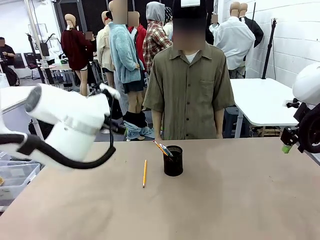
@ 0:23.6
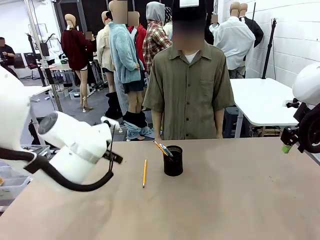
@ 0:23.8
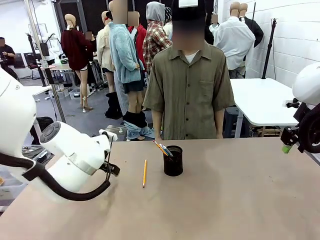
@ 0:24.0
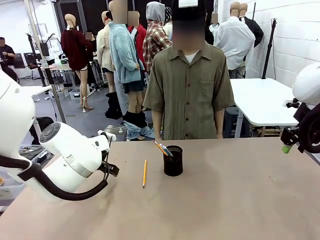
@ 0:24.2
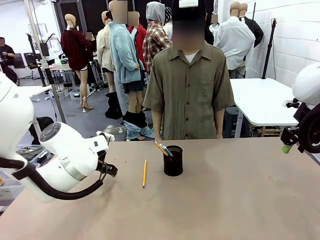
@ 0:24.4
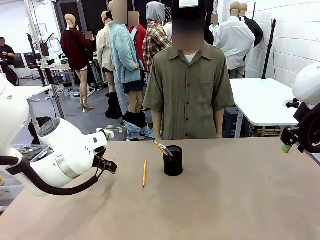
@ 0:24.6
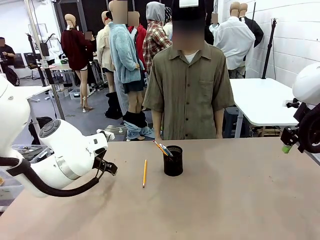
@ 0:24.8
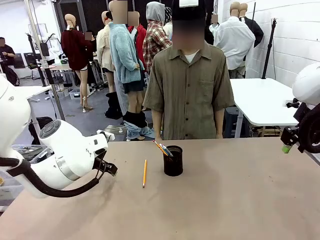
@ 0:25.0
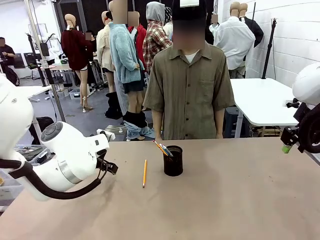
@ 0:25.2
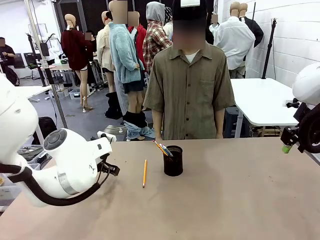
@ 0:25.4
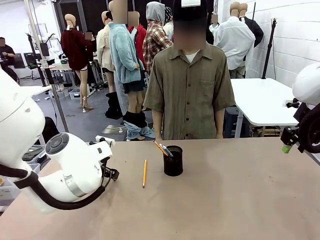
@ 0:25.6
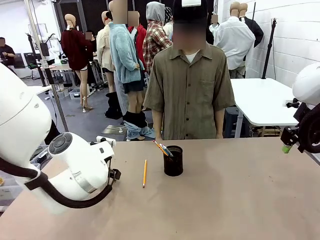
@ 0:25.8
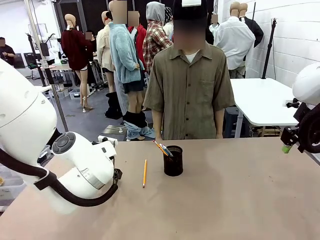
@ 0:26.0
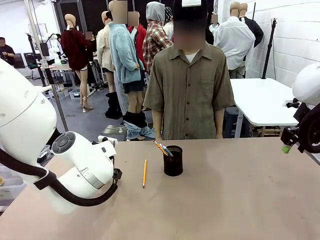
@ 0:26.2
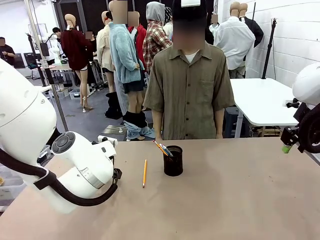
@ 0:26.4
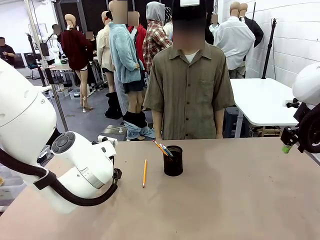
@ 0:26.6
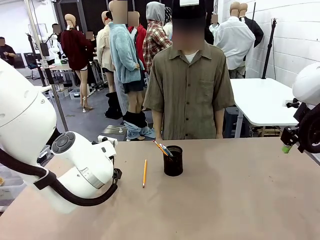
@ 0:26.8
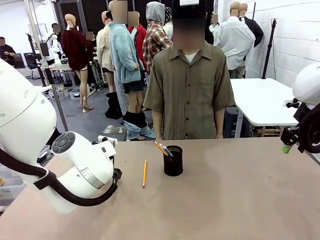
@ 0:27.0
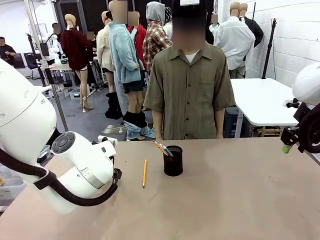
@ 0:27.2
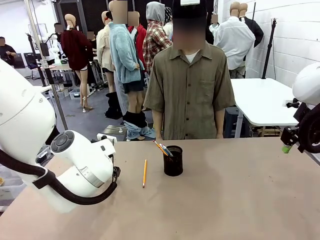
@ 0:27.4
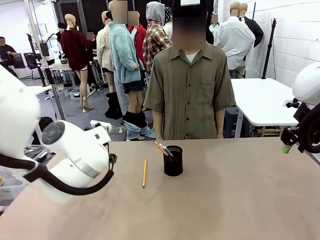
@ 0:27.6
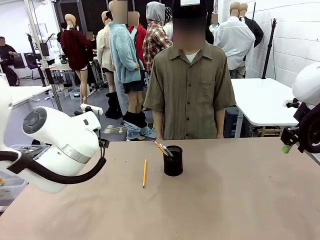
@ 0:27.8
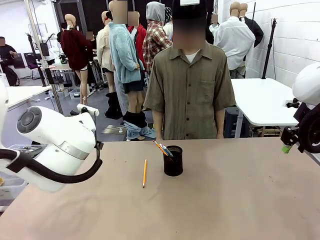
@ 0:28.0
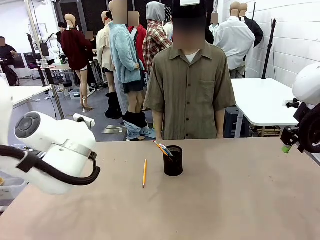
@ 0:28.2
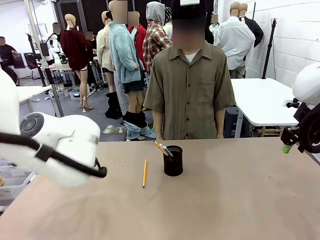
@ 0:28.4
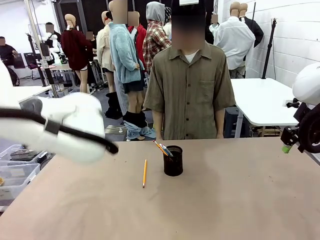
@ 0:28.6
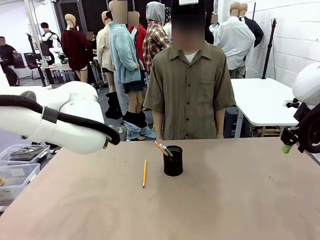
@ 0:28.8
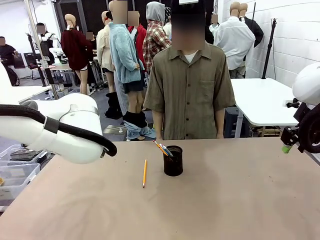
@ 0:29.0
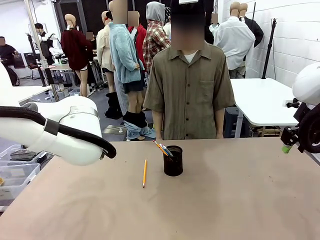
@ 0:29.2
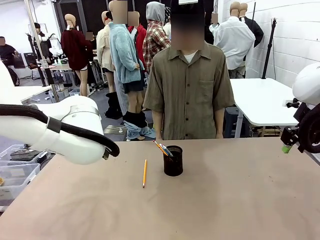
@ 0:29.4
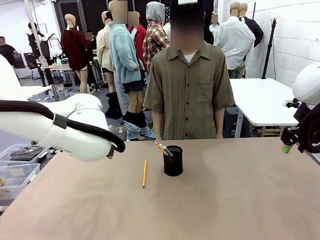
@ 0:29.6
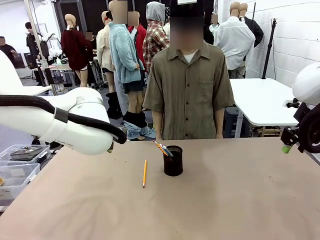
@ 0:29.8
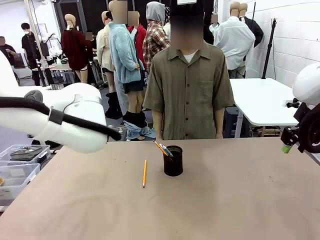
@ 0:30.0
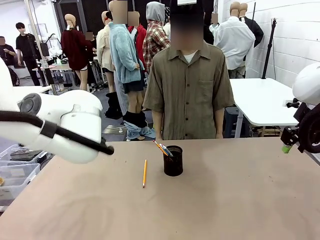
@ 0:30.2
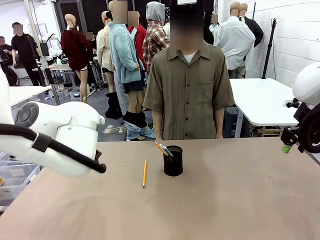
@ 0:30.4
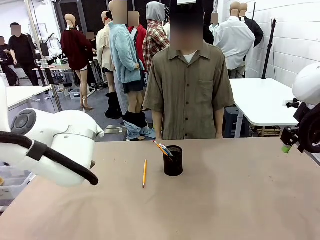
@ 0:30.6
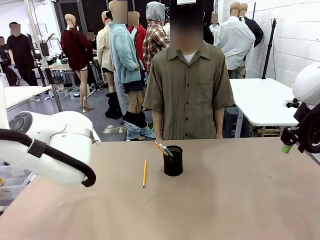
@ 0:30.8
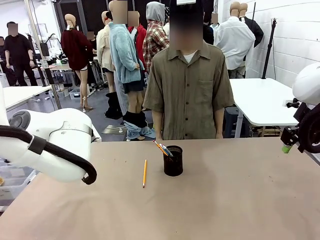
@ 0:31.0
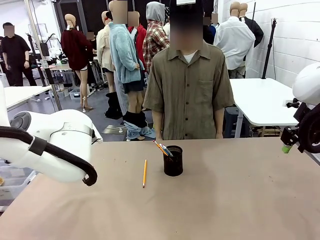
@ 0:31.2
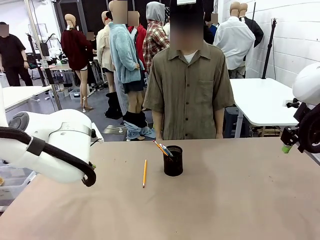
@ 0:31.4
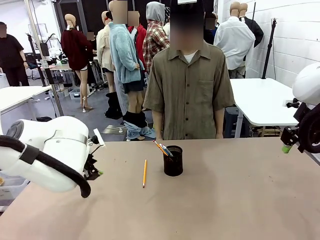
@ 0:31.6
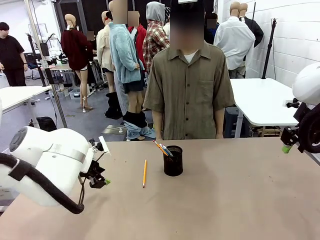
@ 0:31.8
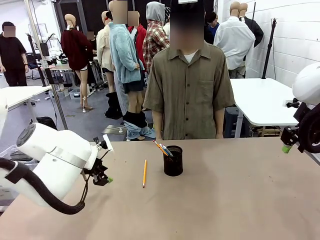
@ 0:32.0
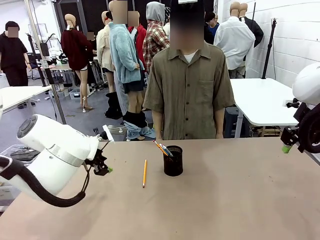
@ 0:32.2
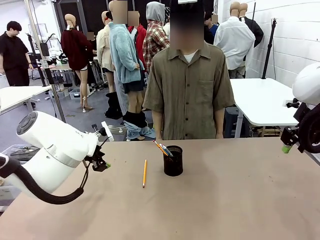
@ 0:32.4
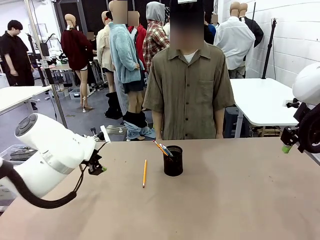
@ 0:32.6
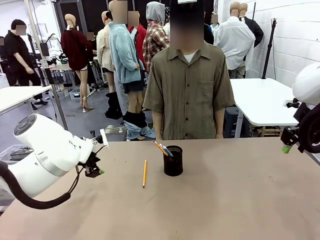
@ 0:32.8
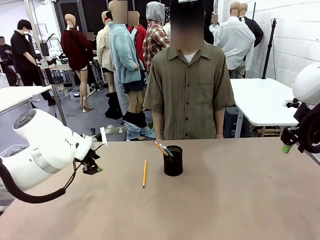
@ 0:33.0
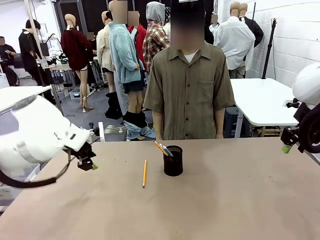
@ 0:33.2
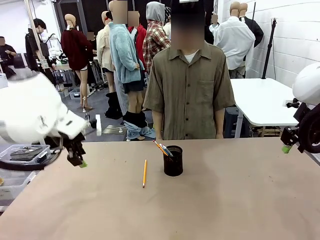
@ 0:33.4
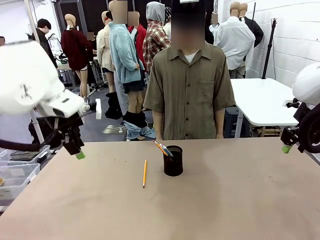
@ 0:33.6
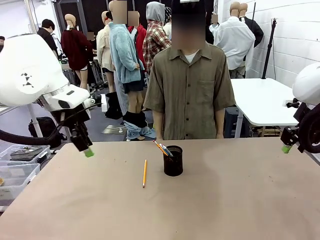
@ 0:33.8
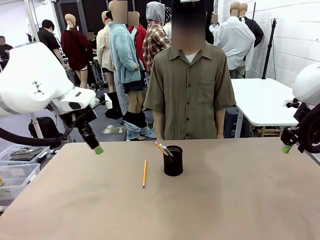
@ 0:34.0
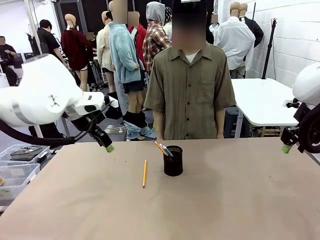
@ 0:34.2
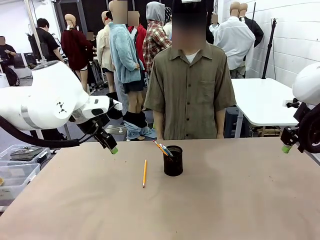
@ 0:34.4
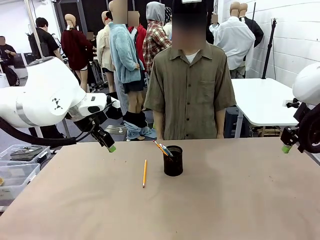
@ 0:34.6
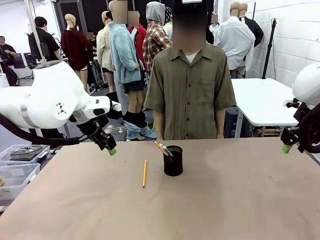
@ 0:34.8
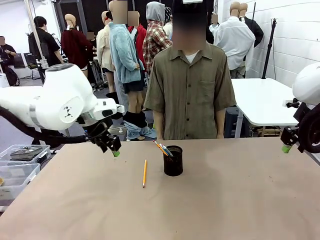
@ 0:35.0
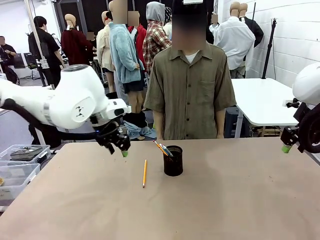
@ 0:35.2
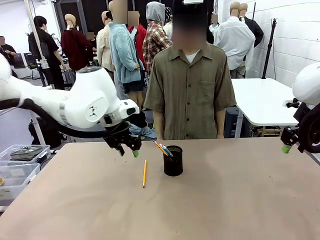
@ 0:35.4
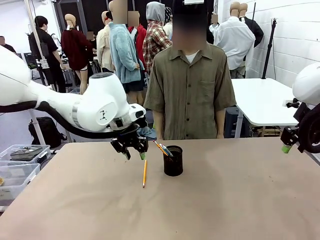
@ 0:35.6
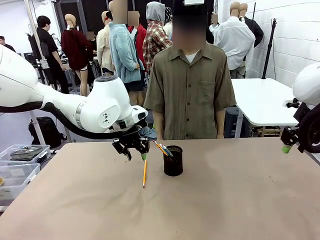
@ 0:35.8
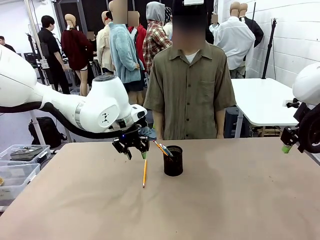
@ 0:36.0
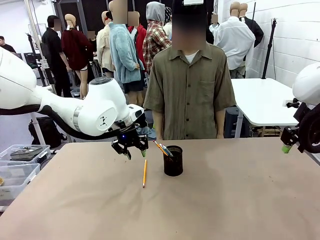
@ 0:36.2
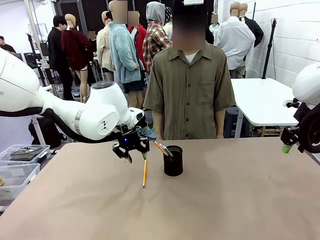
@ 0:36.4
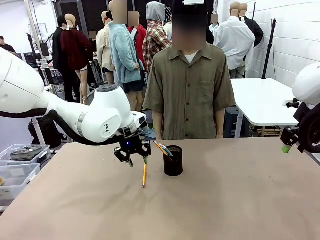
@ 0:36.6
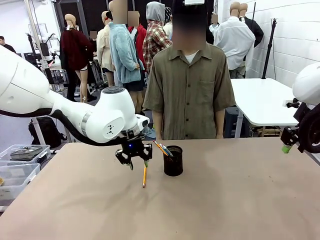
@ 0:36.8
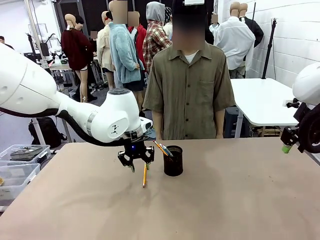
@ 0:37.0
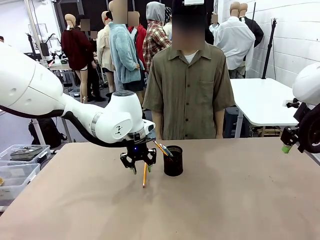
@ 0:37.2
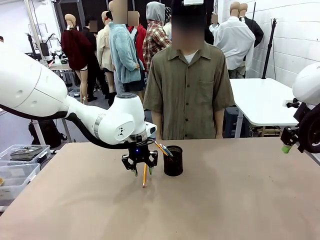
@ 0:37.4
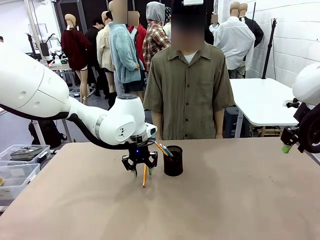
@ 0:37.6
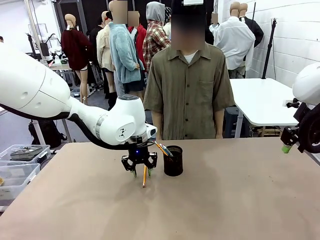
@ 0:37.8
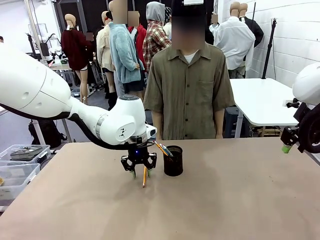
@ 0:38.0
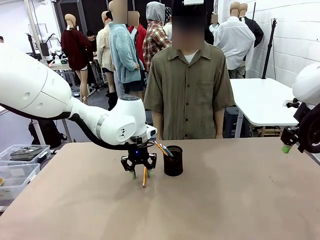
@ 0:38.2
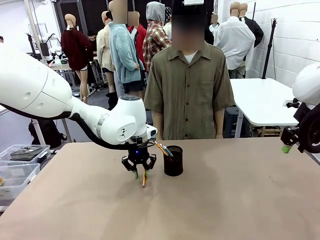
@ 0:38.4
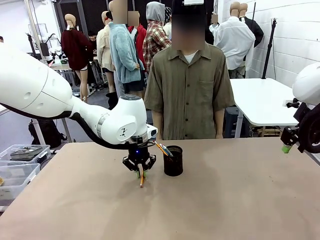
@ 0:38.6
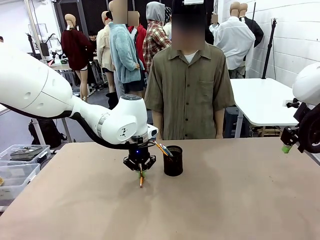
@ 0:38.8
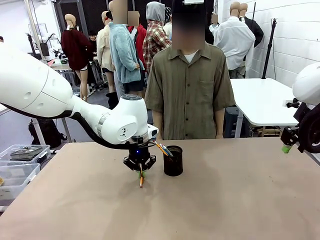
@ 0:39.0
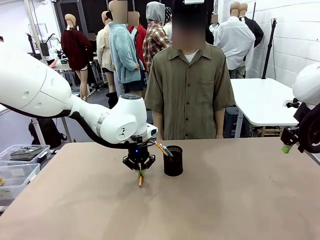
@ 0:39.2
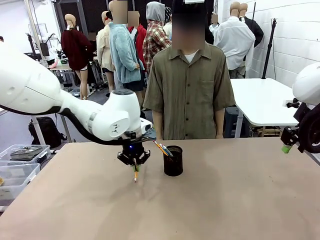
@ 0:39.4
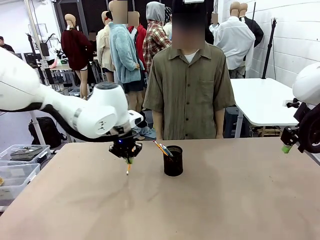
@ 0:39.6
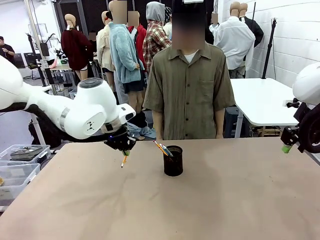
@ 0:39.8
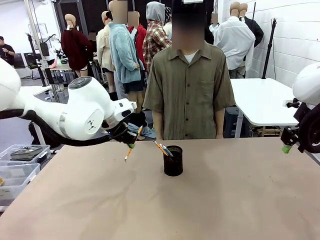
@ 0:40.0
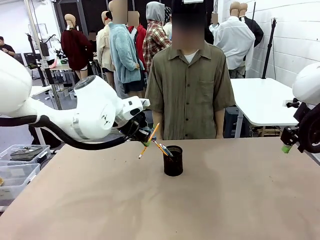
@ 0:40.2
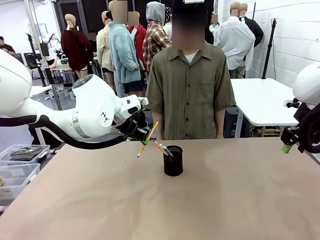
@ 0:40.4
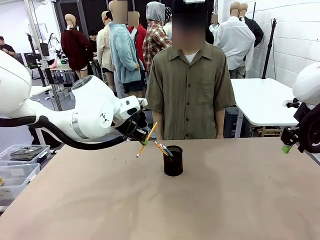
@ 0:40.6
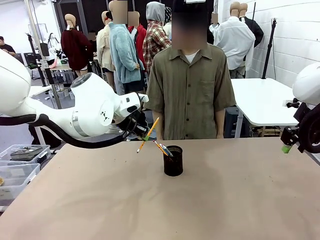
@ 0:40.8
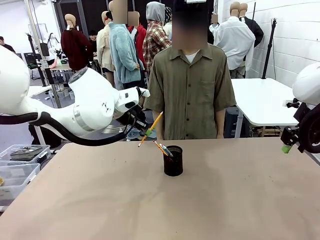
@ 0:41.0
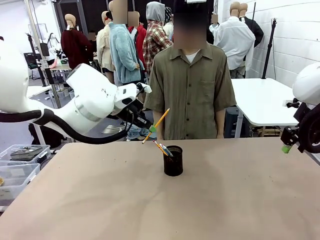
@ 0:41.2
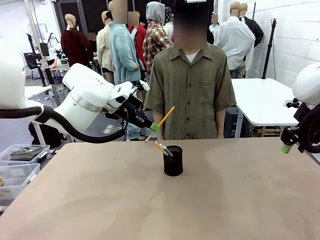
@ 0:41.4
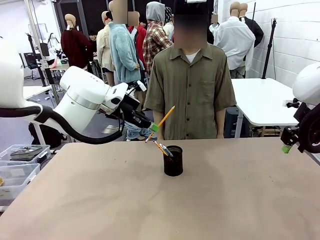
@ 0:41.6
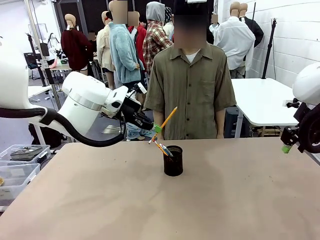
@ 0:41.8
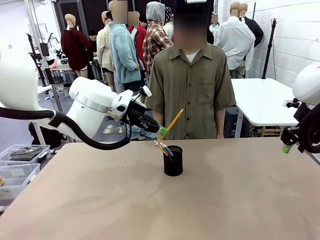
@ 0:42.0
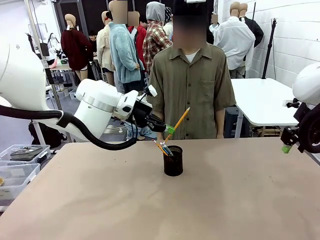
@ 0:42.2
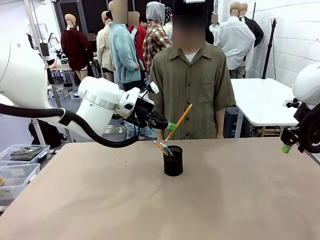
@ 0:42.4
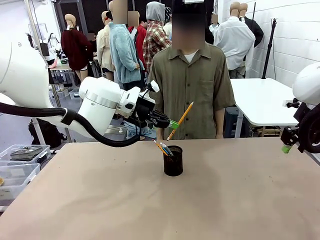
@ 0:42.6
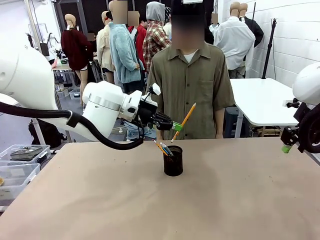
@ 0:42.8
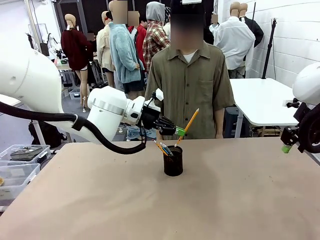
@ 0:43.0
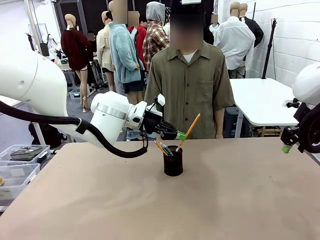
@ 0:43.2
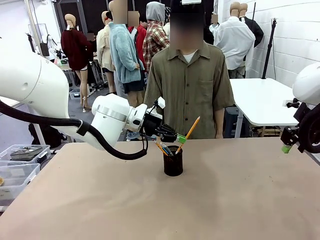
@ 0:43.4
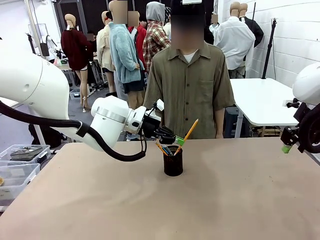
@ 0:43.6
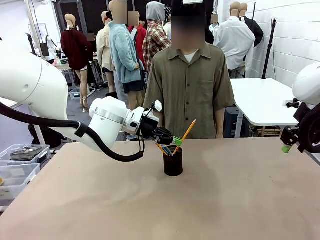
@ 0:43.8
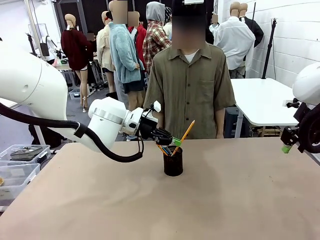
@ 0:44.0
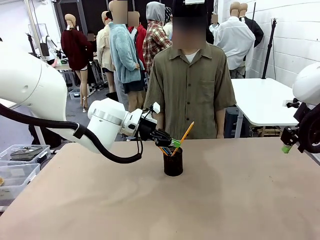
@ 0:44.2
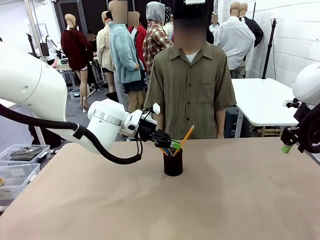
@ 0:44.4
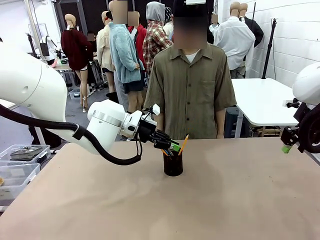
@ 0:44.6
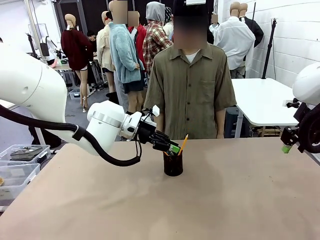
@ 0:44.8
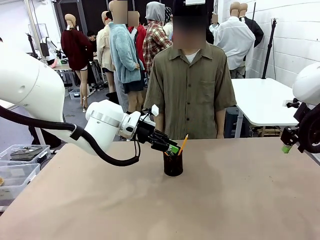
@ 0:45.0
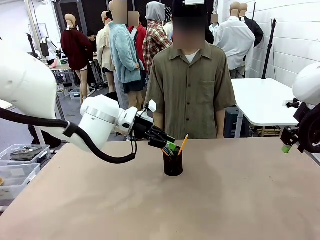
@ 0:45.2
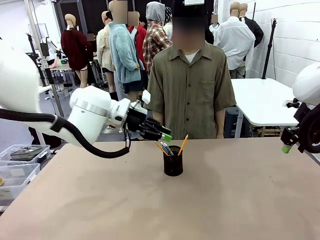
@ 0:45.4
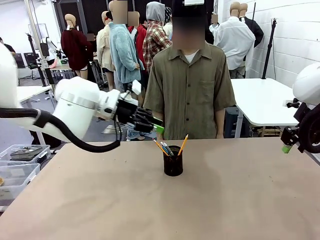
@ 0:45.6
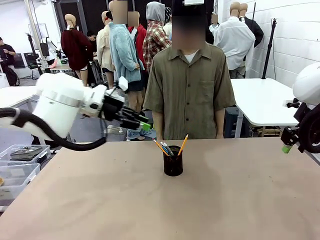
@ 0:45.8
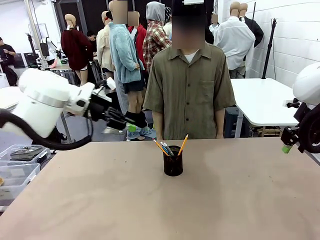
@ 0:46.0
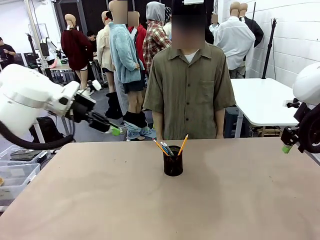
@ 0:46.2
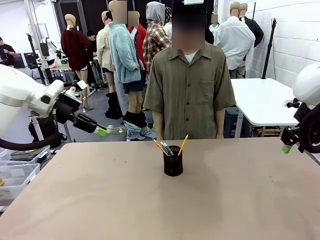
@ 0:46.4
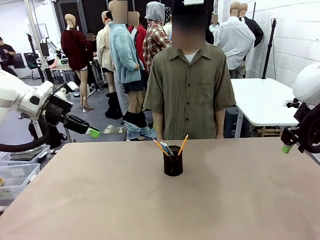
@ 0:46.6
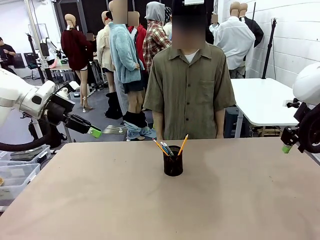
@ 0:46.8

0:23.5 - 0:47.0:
Task: Place the pens into the pen holder.
Robot: Pick up a writing instrument from the table and place it into the Pen holder.
Person: Place all writing instrument into the Pen holder.
